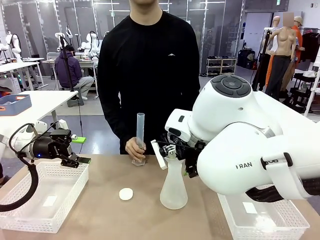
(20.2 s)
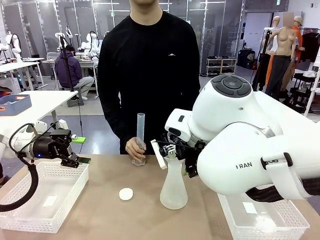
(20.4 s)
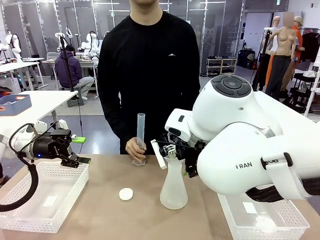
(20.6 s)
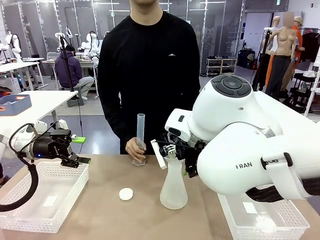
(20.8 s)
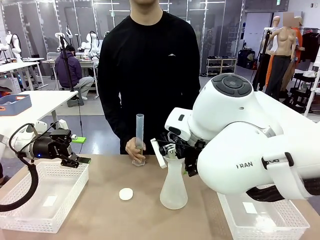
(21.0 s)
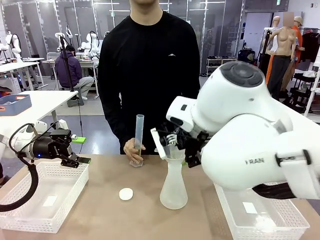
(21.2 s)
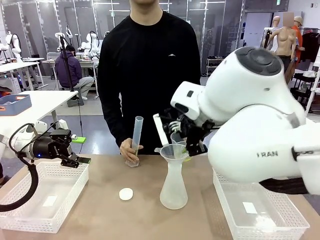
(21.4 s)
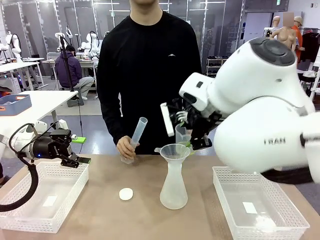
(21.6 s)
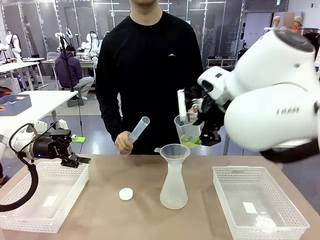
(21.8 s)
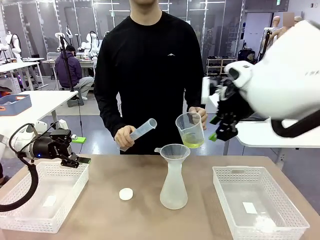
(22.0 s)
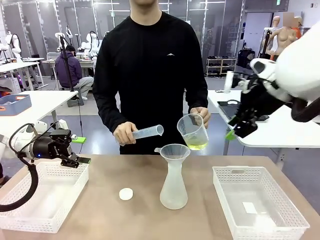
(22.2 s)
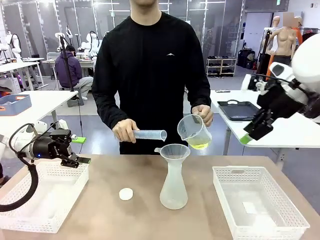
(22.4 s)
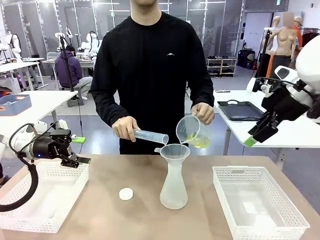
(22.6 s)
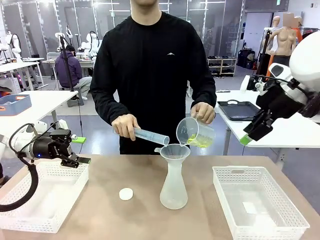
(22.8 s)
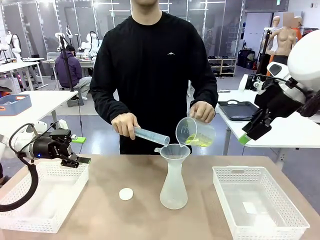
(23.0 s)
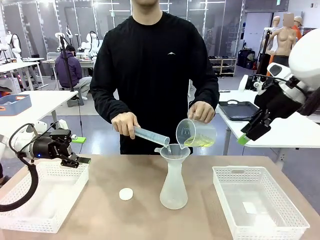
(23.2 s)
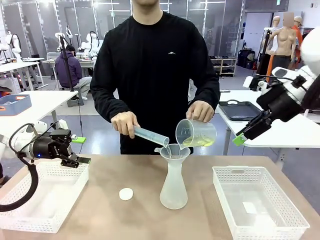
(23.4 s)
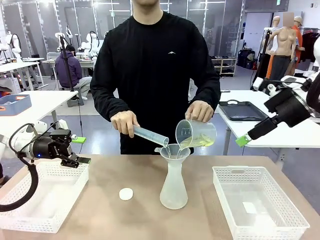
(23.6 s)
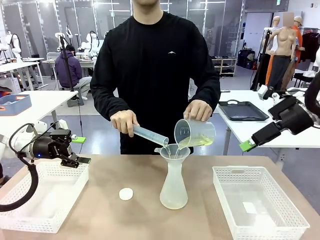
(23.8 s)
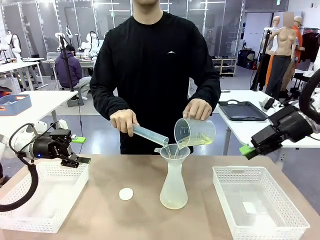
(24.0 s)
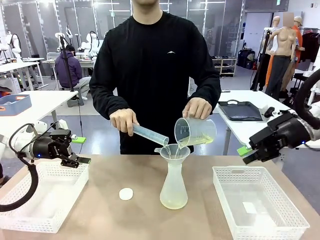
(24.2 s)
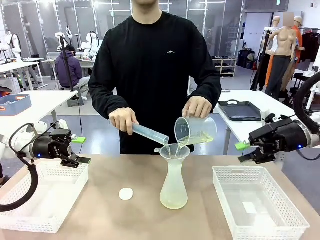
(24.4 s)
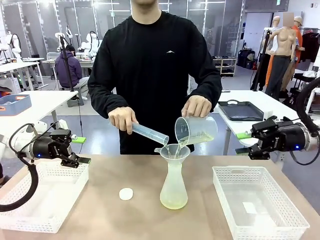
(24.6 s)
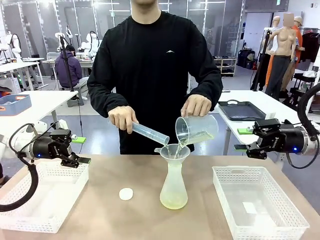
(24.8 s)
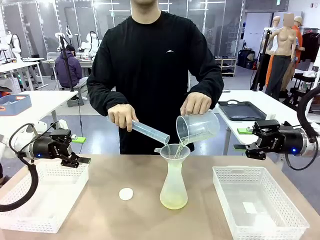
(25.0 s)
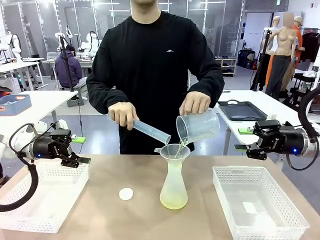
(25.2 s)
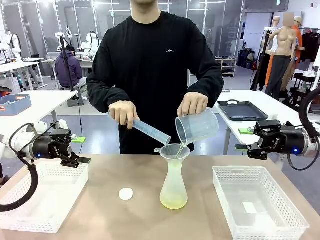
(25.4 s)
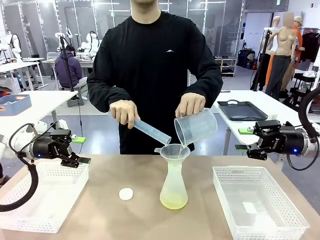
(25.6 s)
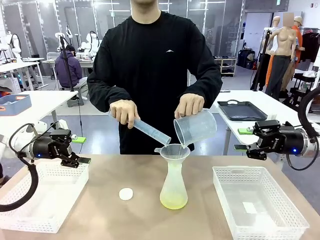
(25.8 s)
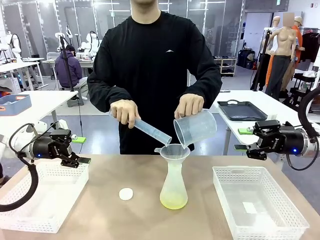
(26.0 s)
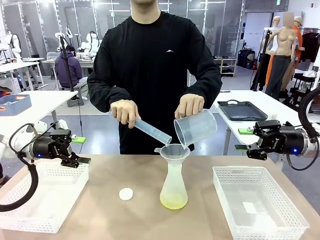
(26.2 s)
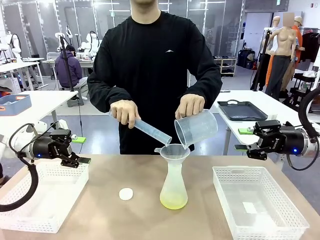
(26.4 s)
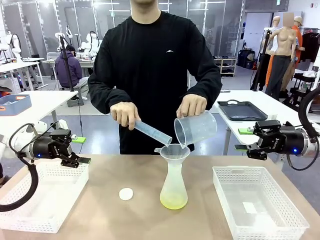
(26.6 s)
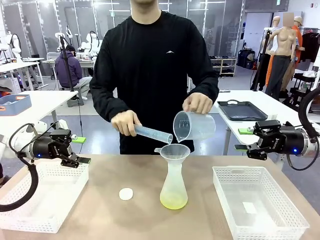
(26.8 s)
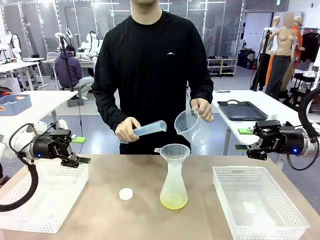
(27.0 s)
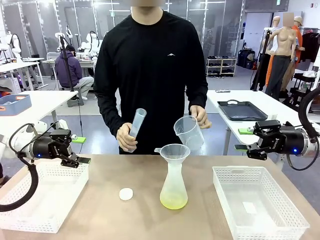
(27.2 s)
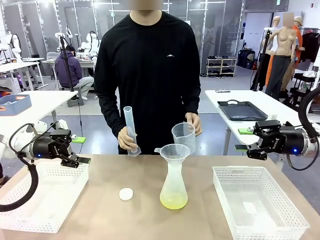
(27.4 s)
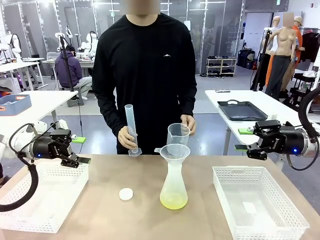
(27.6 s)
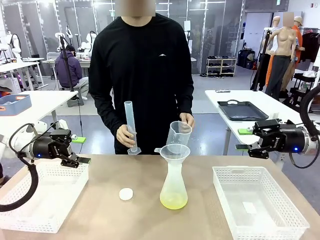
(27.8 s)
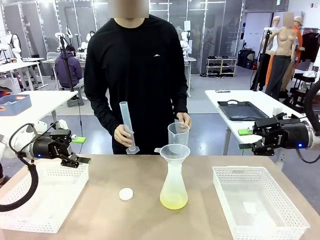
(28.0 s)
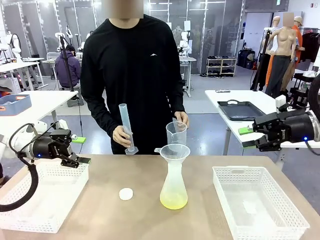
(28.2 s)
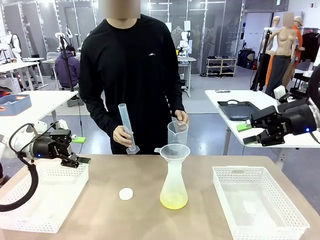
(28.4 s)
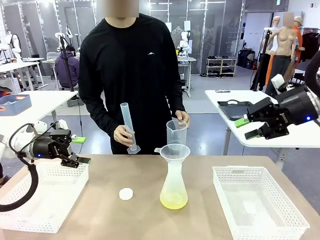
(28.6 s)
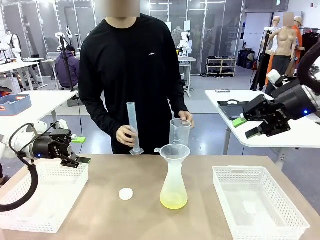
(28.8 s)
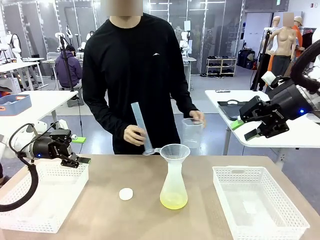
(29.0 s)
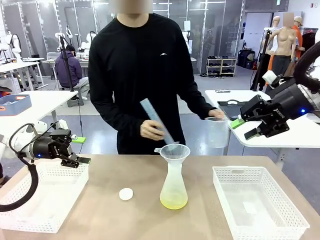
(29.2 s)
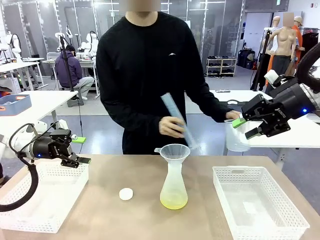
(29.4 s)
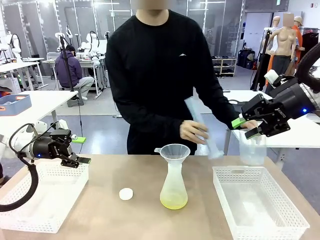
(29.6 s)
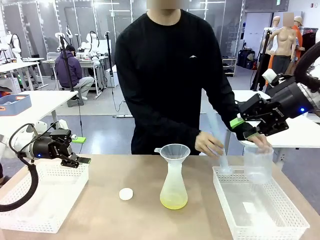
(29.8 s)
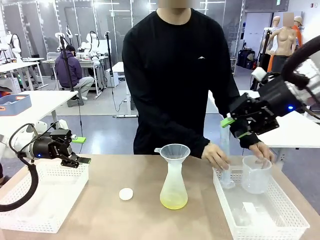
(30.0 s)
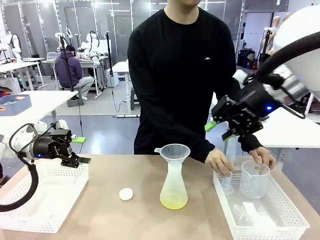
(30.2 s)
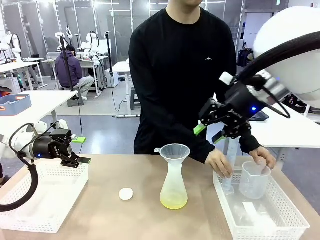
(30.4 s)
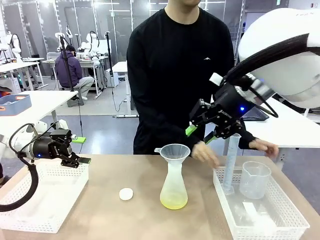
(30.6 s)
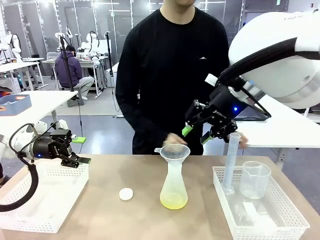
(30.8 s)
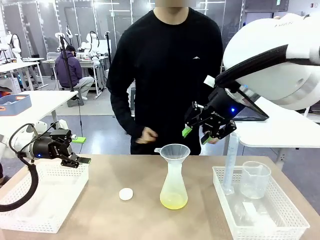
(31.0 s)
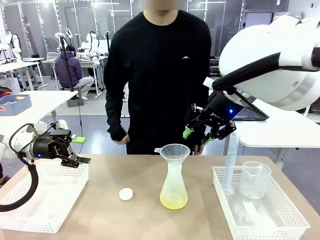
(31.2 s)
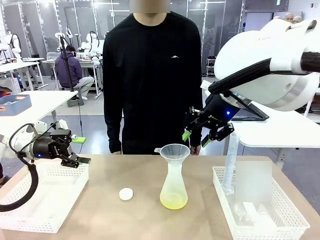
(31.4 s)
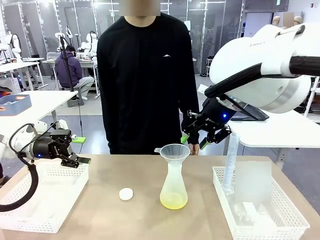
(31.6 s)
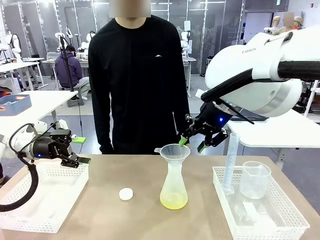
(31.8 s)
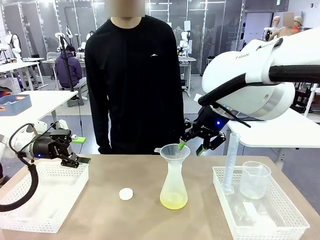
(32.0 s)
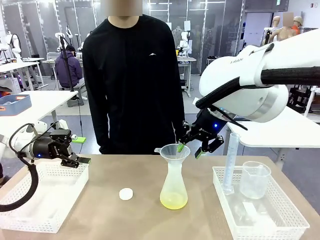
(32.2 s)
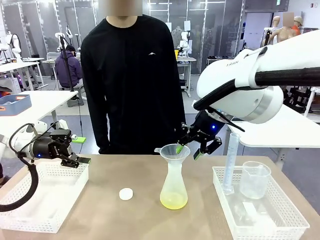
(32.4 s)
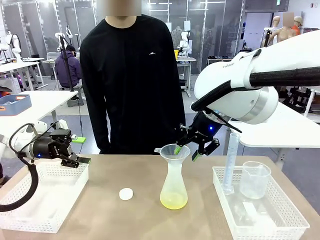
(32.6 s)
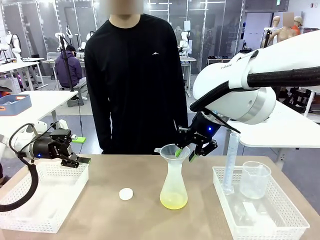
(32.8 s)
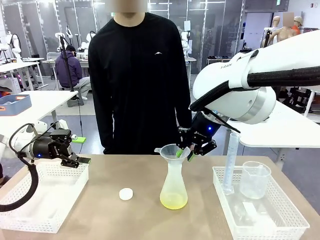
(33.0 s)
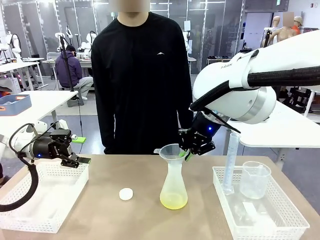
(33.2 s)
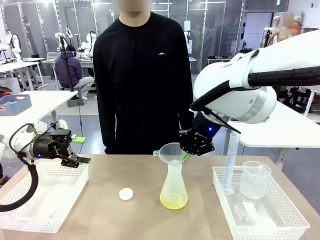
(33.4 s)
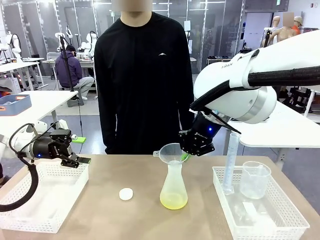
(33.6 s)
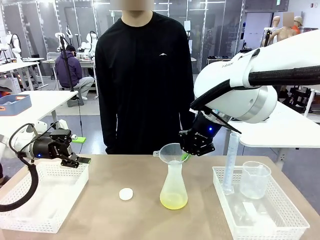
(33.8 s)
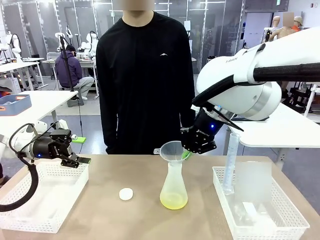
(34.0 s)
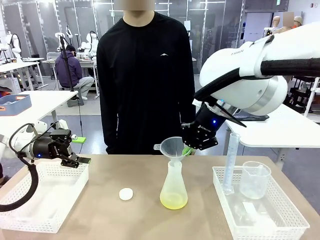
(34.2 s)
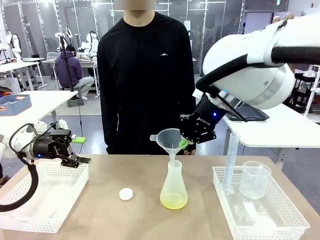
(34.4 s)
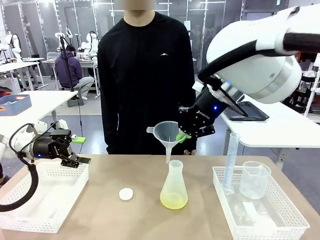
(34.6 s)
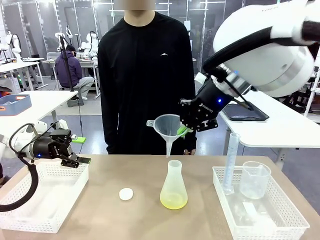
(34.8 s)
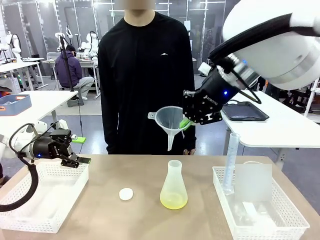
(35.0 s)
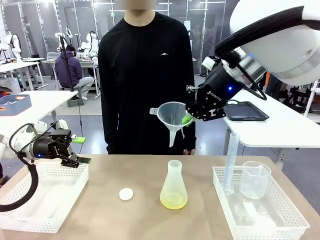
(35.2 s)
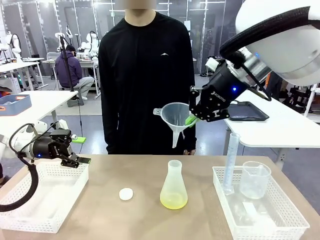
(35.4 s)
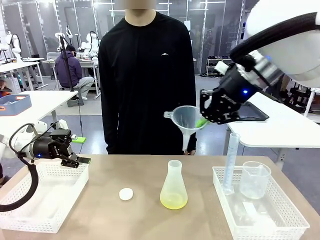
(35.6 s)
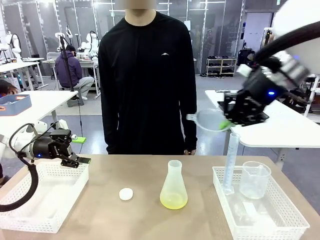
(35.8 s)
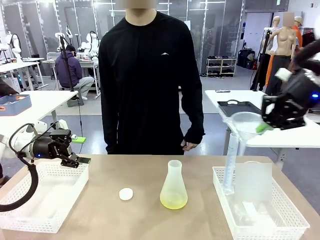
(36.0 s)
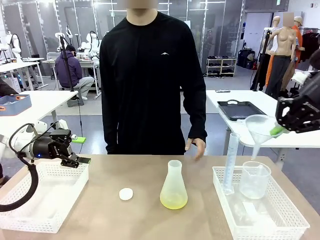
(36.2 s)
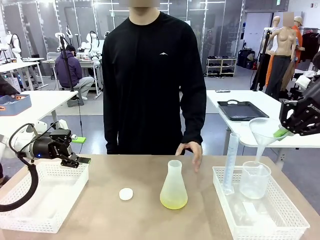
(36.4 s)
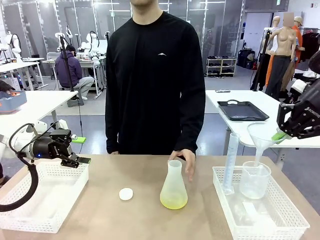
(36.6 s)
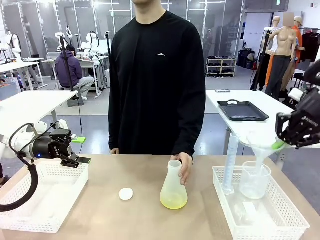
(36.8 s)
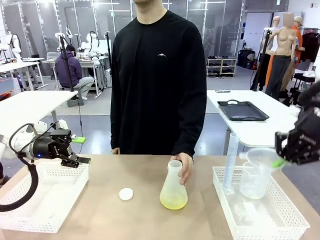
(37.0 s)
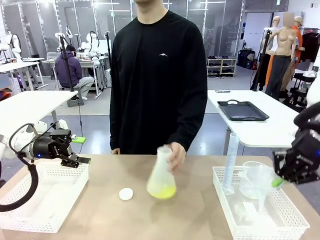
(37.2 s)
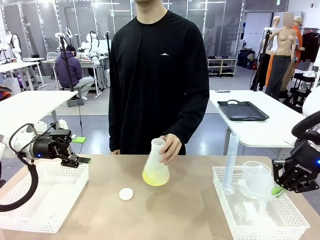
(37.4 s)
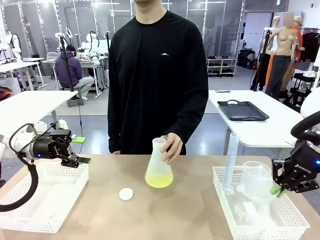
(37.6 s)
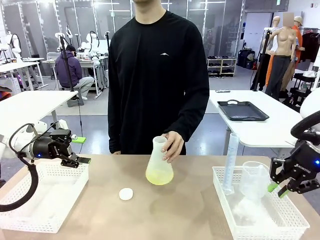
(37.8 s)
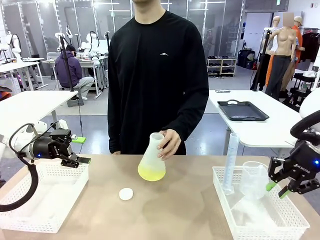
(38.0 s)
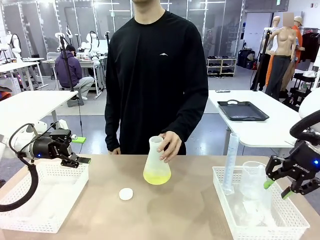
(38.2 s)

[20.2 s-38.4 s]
Task: Prepare the solutions needed for the experiment.
Robot: Once the solution is in the Big flask , pick up the Plastic Funnel and place it back into the right Organizing basket.
Person: Place the beaker and the cylinder into the organizing basket on the left side. Pick up the flask, gently shake it 2–3 times, place it in the middle of the robot table, and close the lid.
